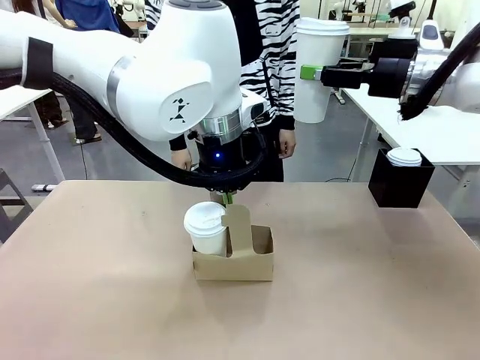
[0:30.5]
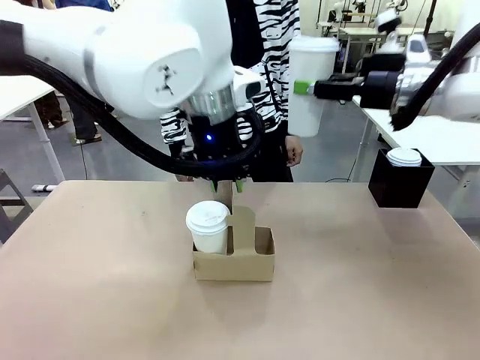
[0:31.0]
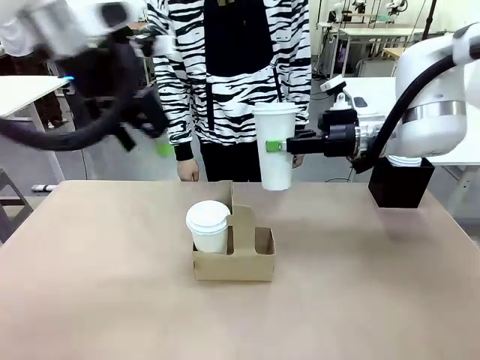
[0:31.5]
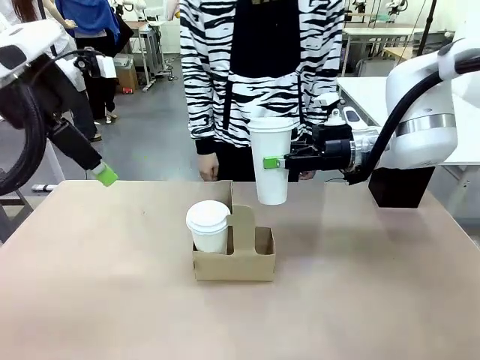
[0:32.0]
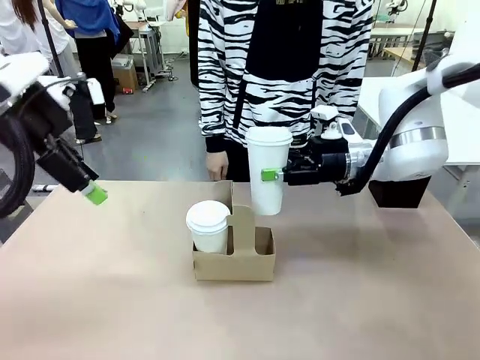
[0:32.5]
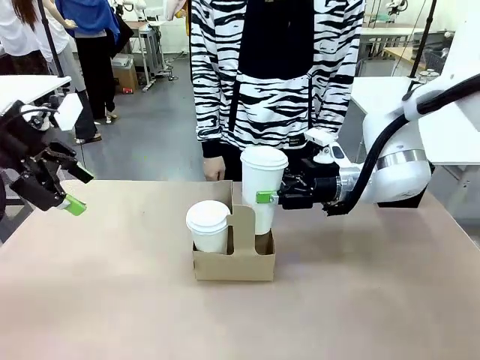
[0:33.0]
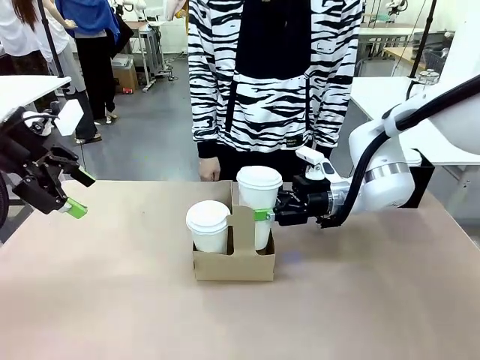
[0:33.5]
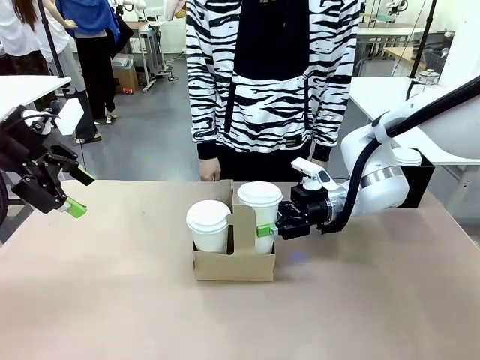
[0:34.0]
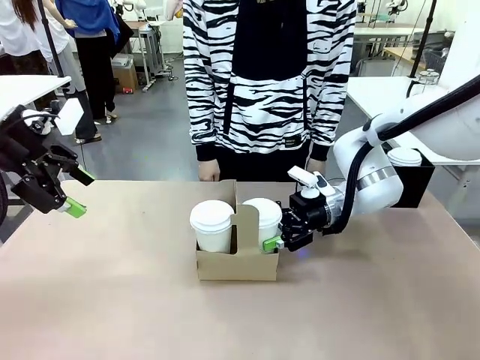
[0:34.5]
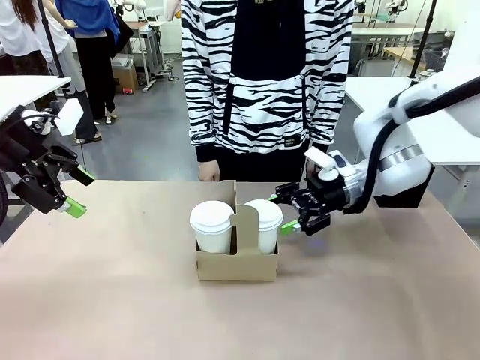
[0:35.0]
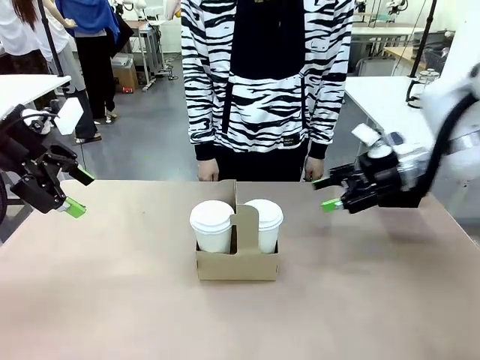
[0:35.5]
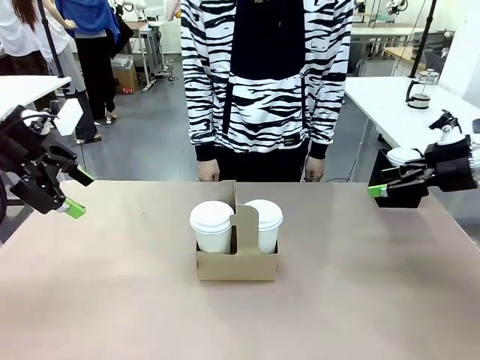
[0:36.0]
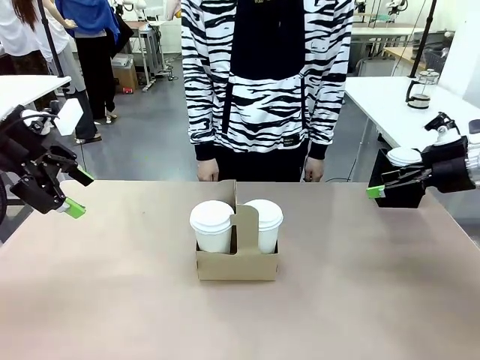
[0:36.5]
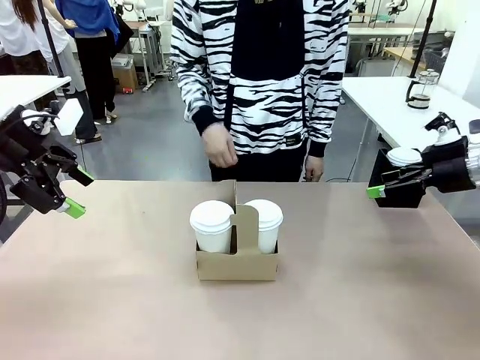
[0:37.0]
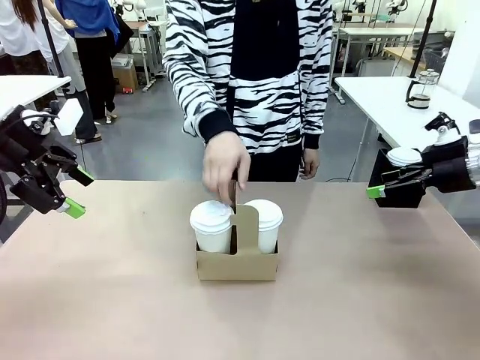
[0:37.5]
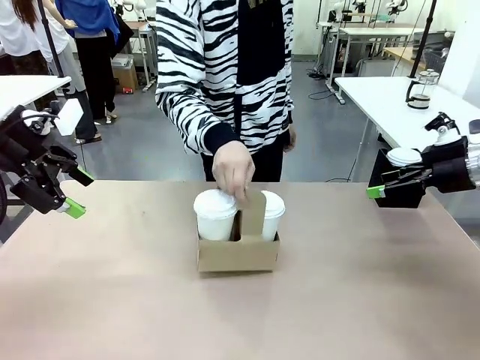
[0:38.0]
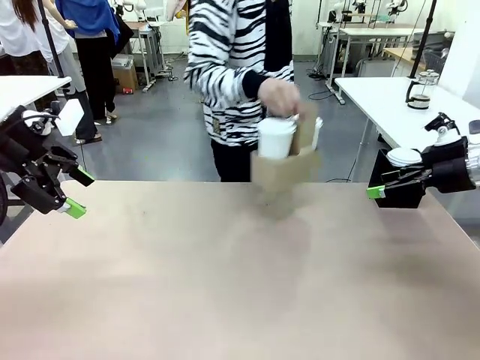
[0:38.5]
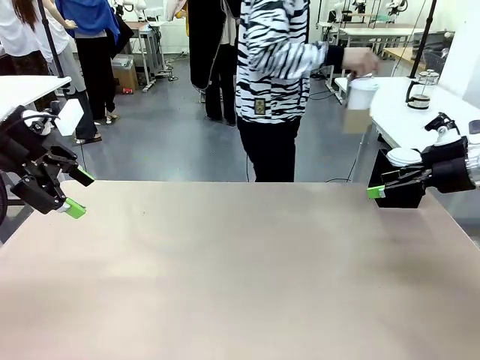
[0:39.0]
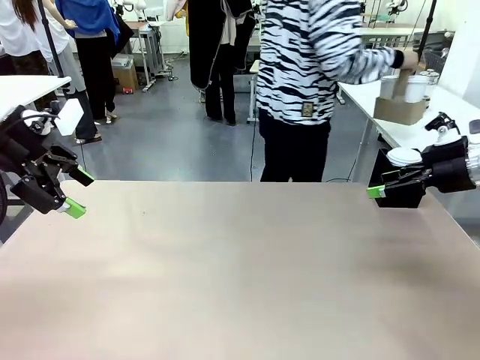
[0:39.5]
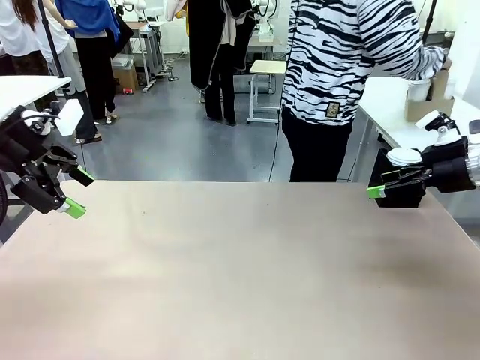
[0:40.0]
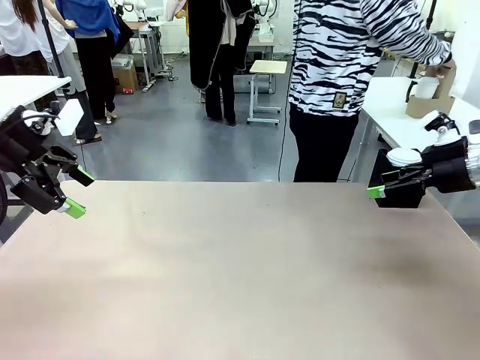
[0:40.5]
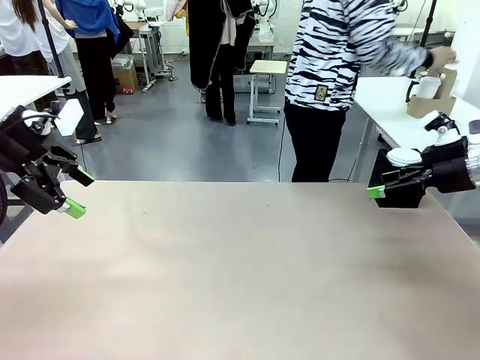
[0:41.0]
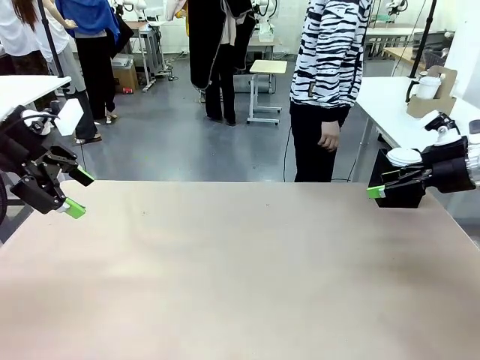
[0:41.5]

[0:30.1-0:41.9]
Task: Pour a drink into a cup and package it in a carrier.
Robot: Insert the held 600 ml Paper Cup into the Cup Carrier.
Person: Place the Cup Carrier to the middle of Human table.

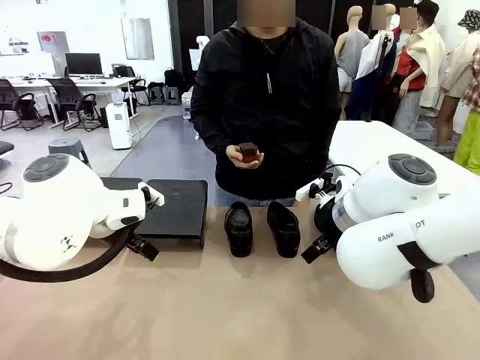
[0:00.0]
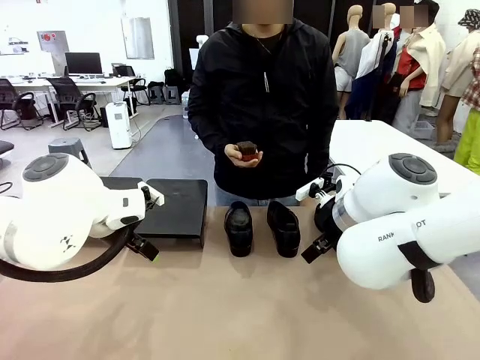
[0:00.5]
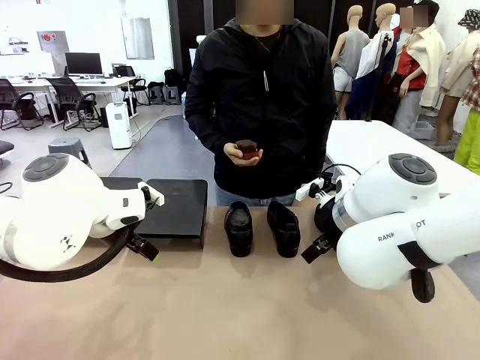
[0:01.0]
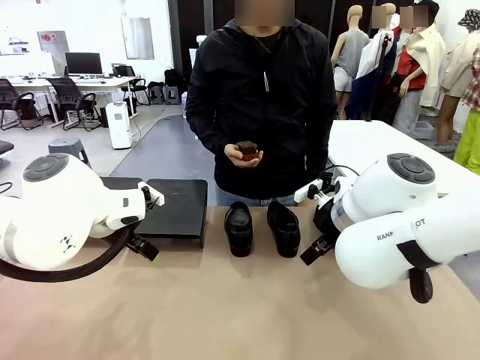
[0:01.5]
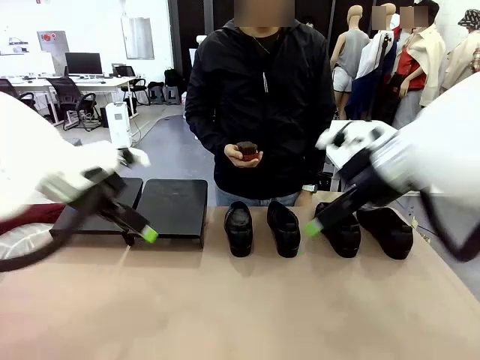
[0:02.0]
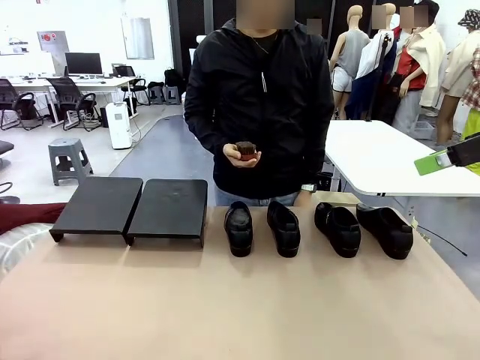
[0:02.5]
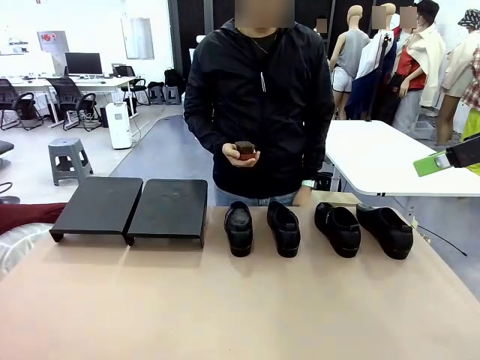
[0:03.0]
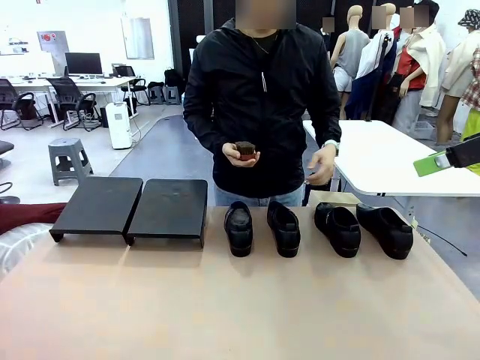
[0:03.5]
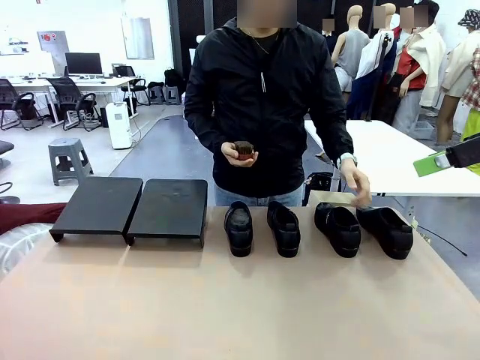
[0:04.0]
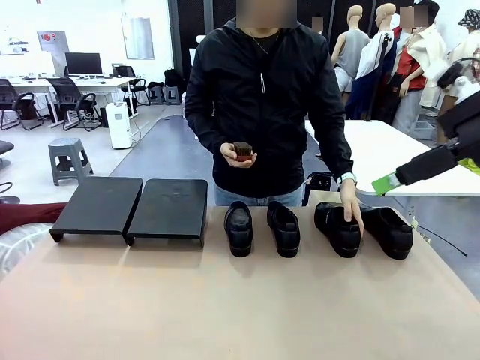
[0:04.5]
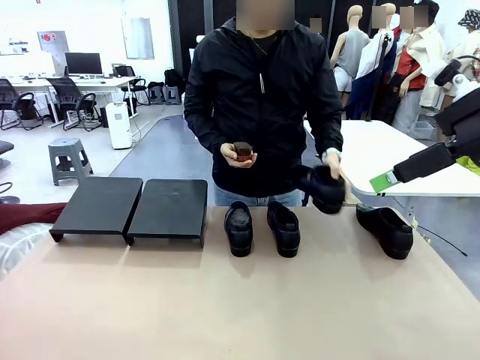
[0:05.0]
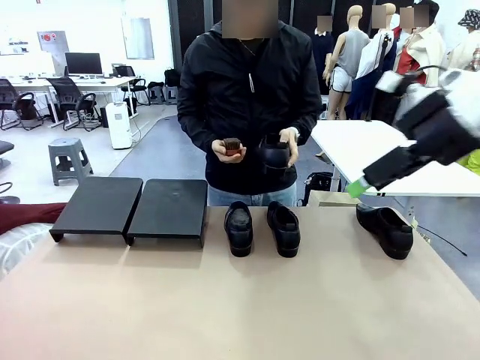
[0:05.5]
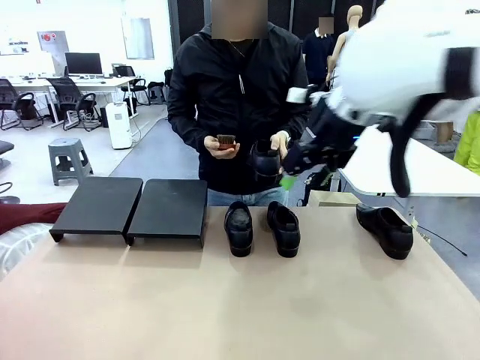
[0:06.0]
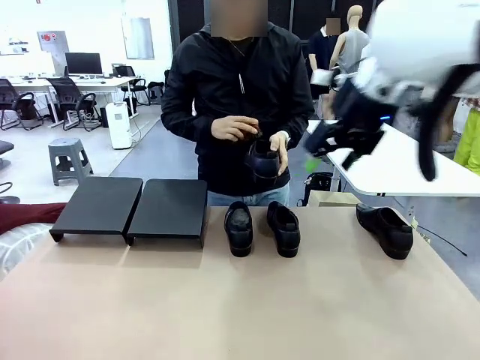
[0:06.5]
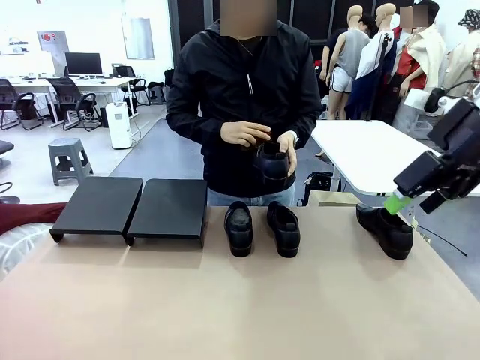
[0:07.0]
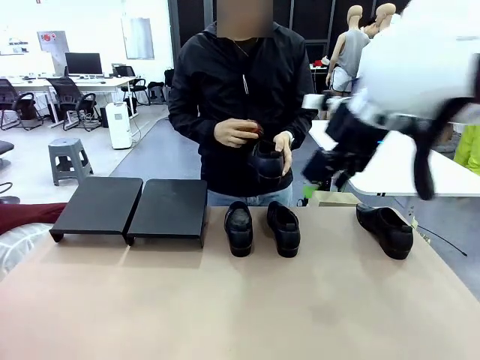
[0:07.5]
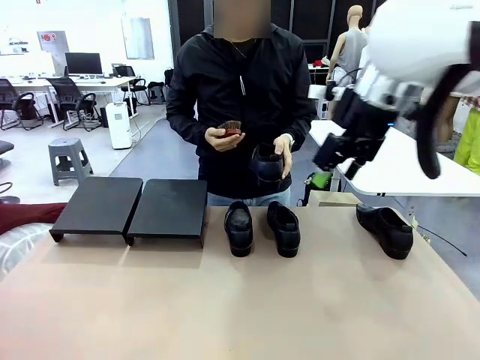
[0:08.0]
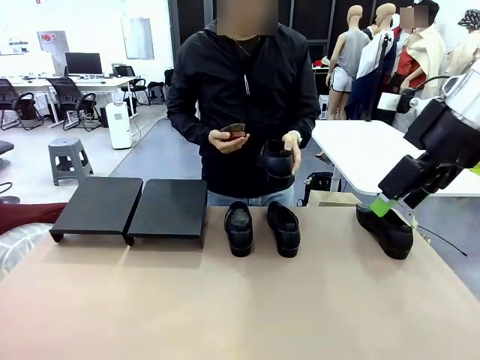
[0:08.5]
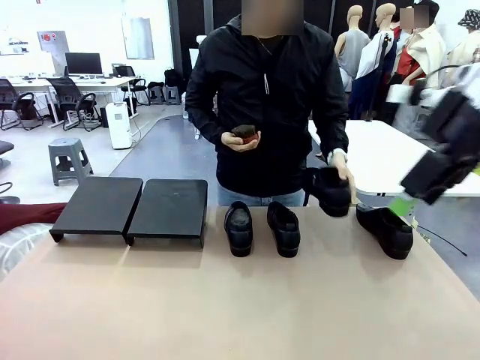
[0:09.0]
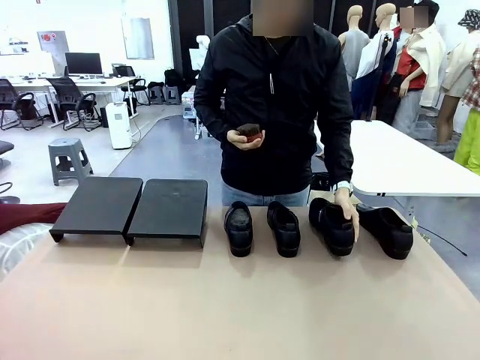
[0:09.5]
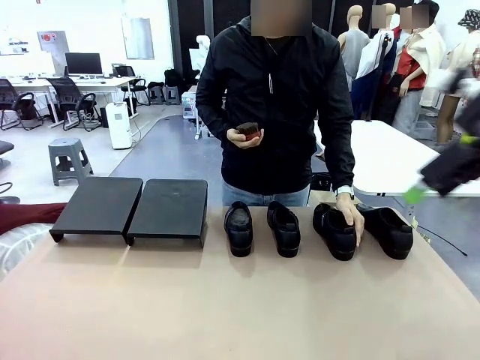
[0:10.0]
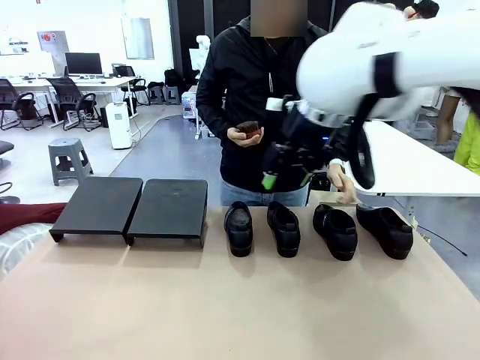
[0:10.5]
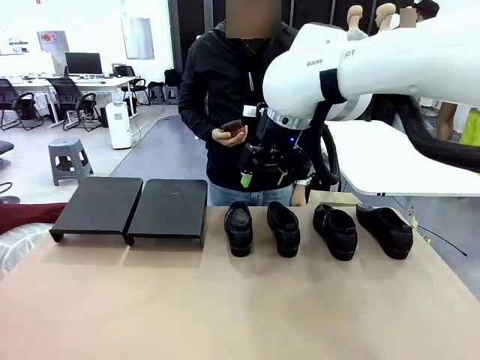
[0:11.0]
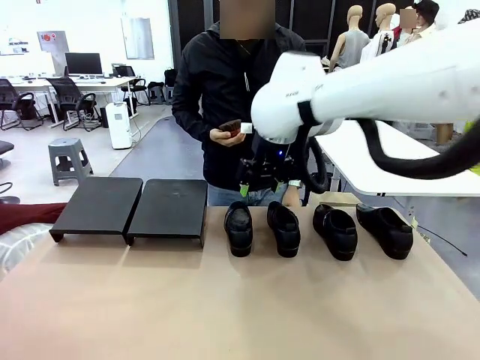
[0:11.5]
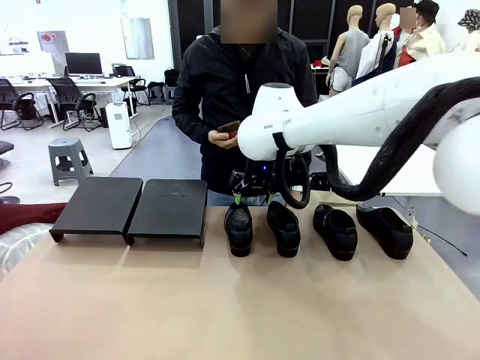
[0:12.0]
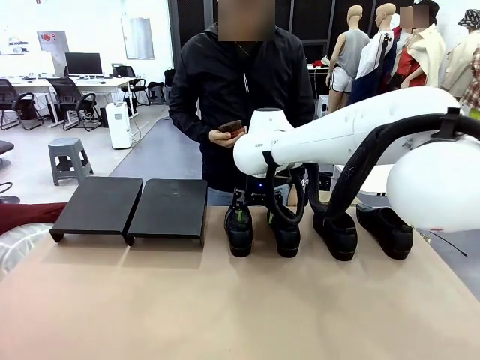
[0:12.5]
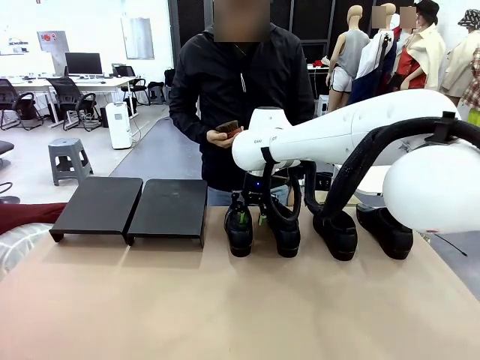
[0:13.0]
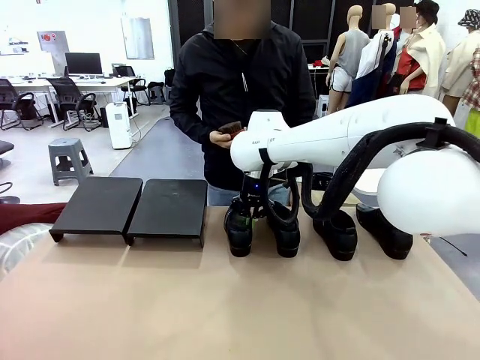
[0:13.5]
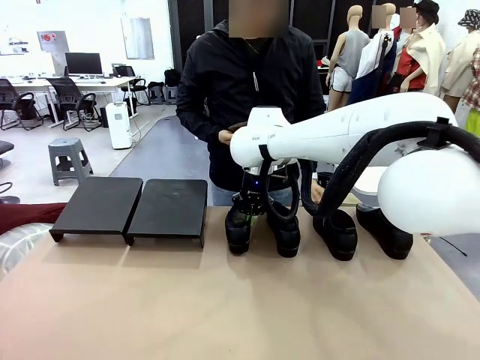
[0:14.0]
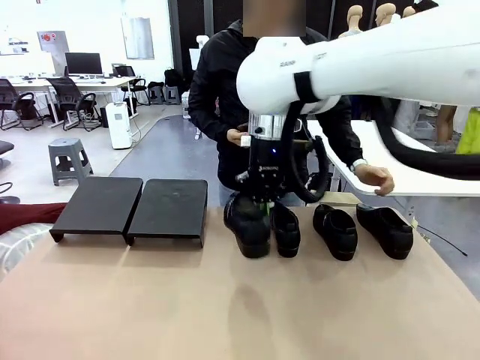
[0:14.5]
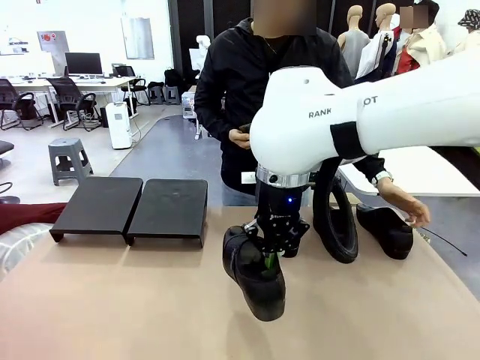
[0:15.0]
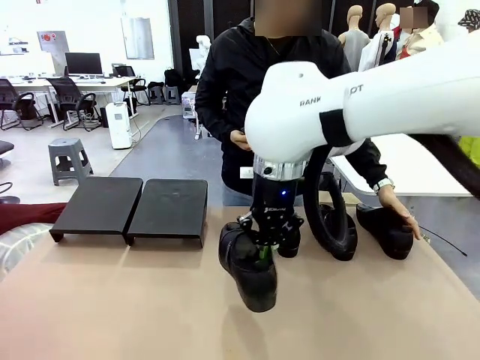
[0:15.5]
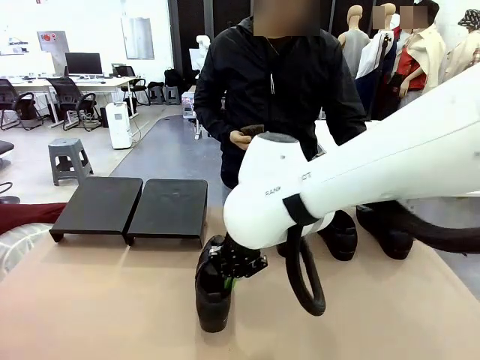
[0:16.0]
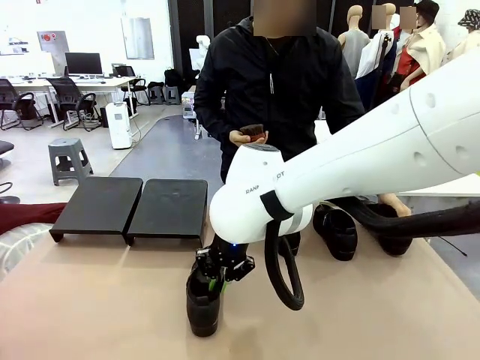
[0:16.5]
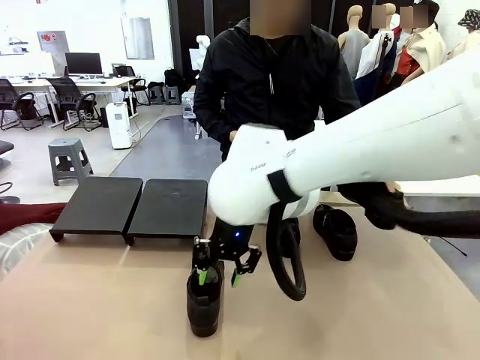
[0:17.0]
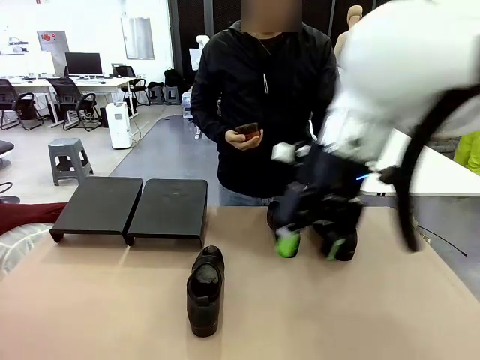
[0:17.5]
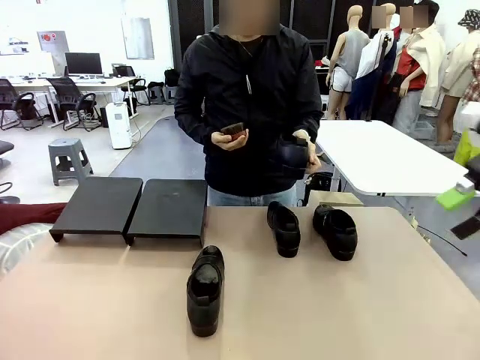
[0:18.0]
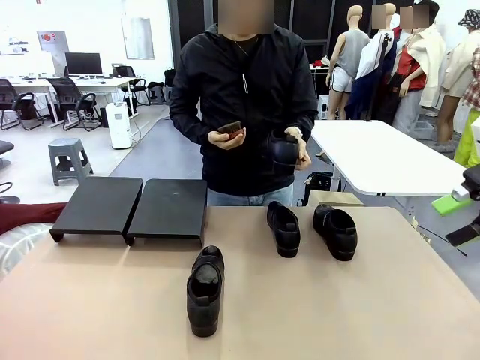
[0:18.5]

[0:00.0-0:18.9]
Task: Organize the shoes by placing them on the stand.
Robot: Pick up one Shoe and place it in the middle of the table.
Person: Pick one Shoe on Robot's table. Clean the Shoe with the Shoe Brush. Place the Shoe on left side of the Robot's table. Pick one Shoe on Robot's table.
